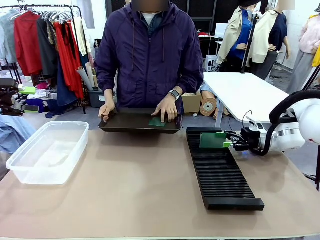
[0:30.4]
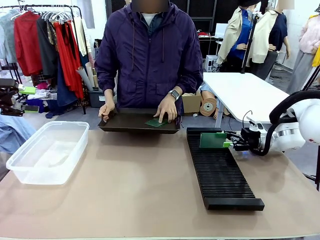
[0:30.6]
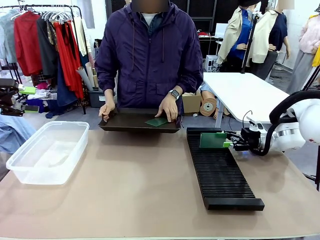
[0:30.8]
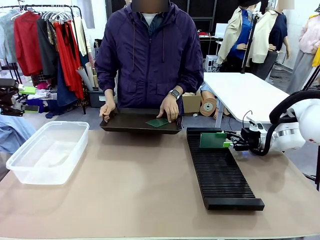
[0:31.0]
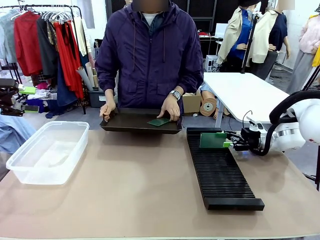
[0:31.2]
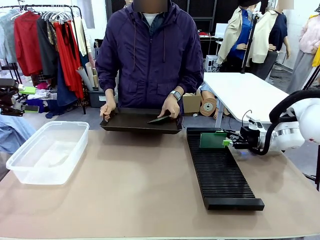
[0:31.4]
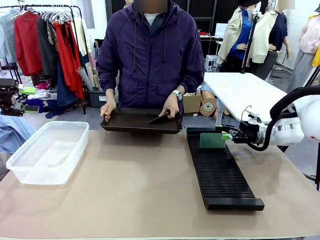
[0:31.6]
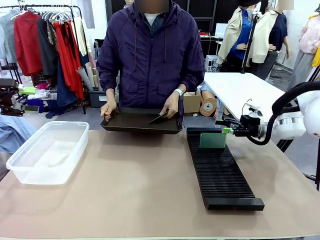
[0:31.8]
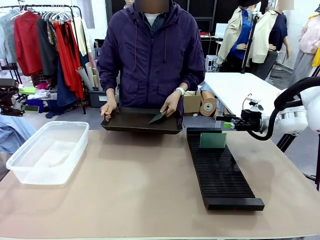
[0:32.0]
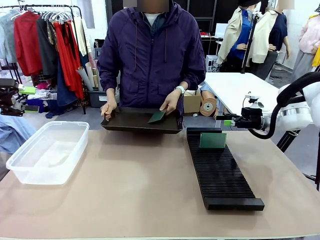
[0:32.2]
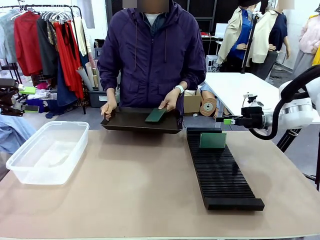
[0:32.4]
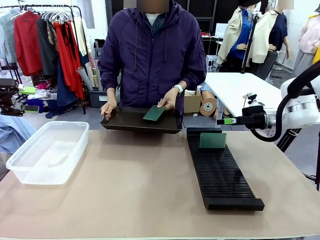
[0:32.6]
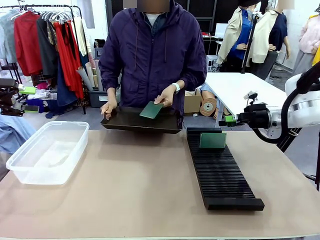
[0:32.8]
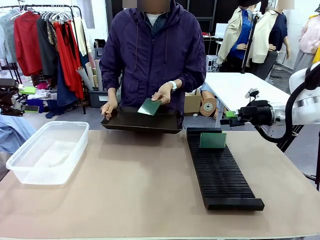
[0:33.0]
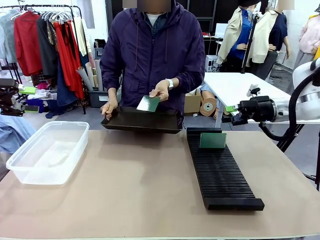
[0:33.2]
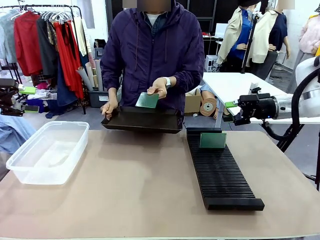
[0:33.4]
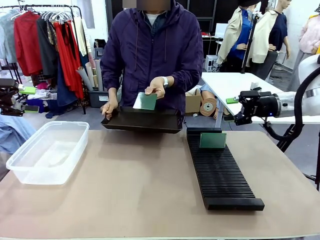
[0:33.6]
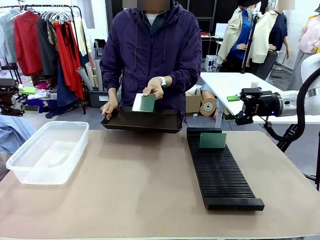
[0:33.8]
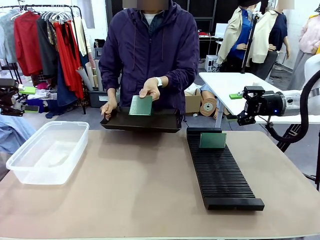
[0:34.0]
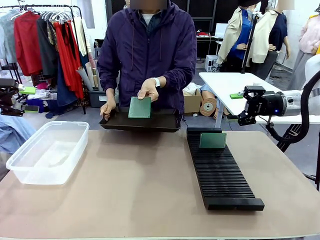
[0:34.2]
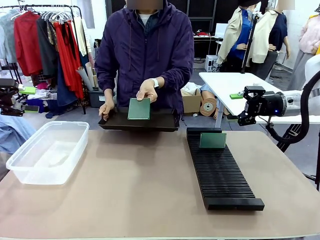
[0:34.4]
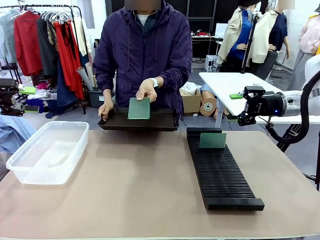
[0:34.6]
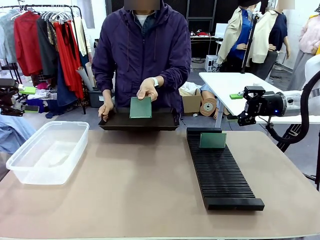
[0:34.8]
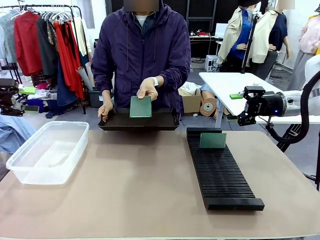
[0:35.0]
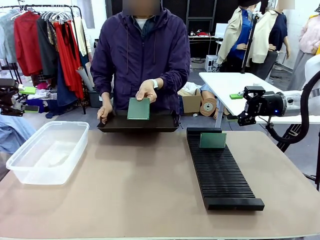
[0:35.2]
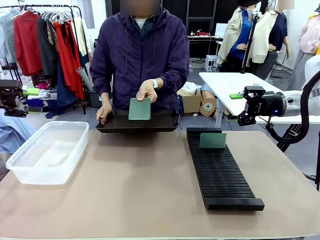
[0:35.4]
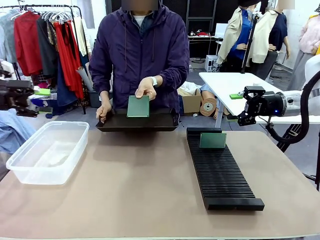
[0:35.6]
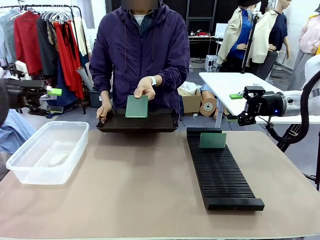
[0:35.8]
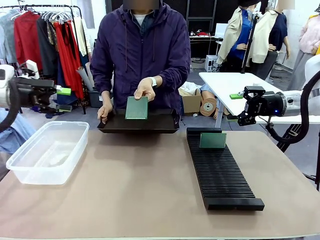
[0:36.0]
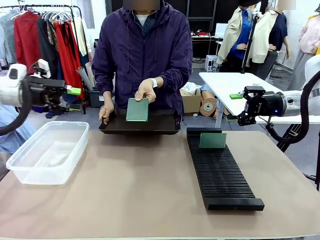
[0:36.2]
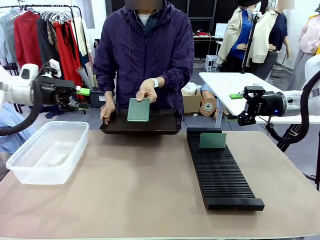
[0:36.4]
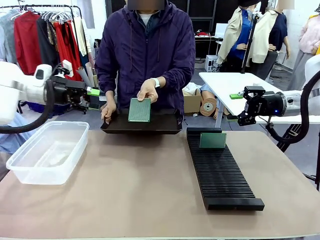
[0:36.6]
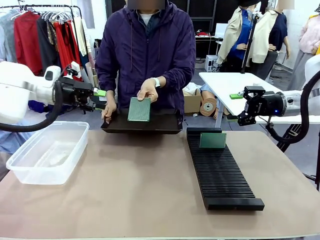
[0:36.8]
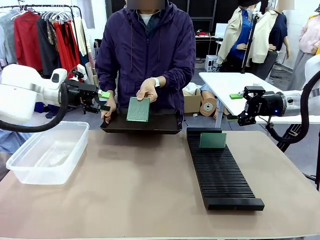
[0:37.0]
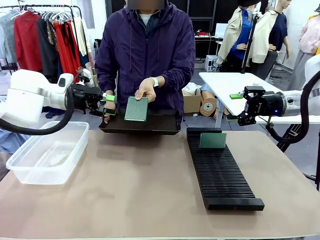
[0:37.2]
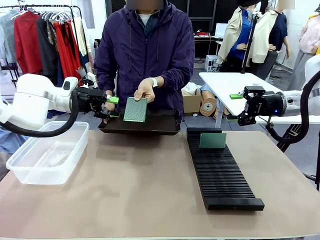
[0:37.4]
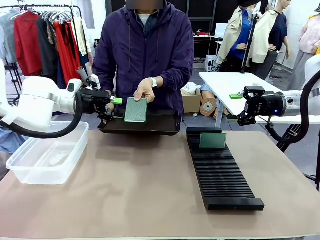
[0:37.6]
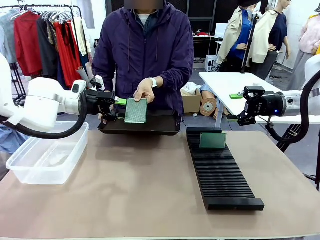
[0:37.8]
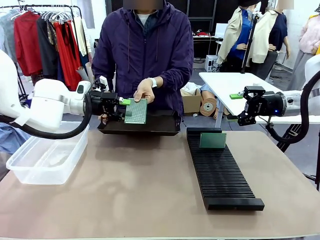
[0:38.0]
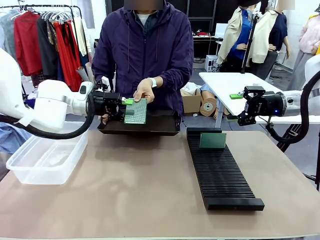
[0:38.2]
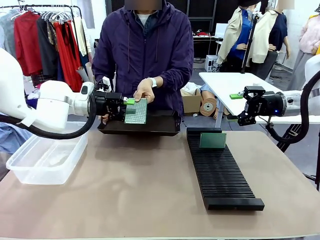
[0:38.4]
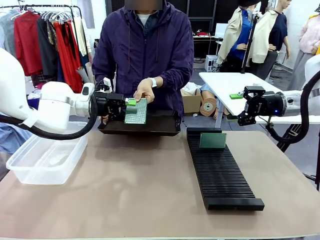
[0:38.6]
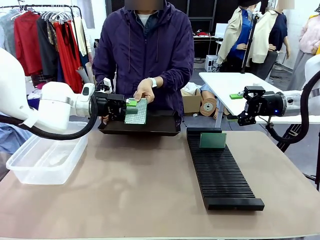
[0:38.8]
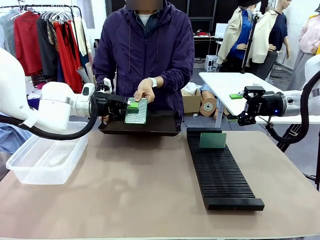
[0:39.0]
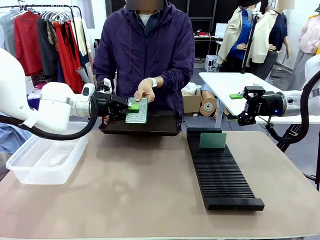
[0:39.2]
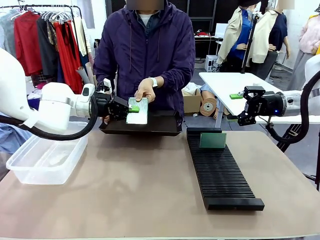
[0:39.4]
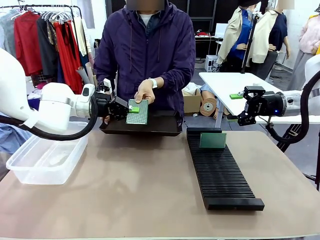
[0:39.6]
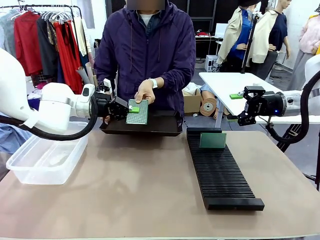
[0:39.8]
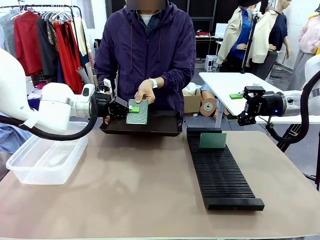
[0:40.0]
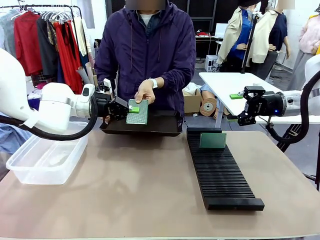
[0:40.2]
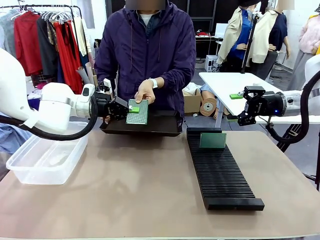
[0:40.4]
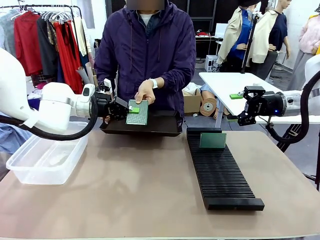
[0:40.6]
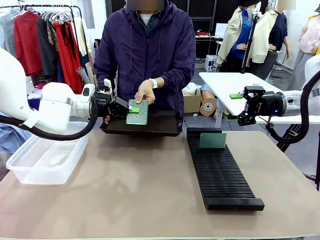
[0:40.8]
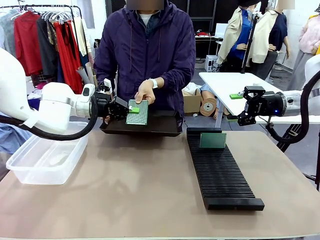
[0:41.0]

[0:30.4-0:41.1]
Task: Sort PCBs into racks and boxes based on the side picked up.
Robot: Pick up the Blank PCB handed by the Human.

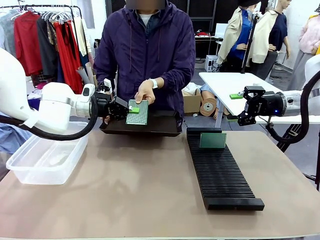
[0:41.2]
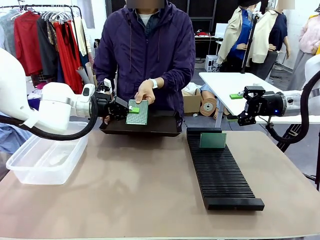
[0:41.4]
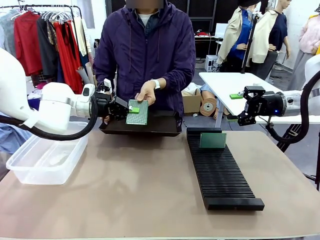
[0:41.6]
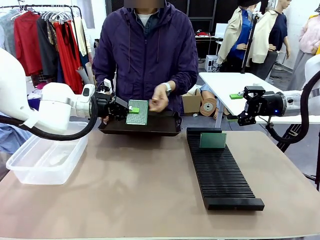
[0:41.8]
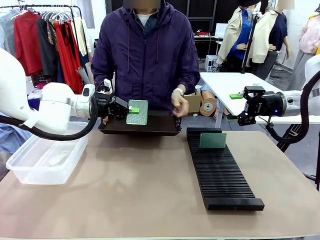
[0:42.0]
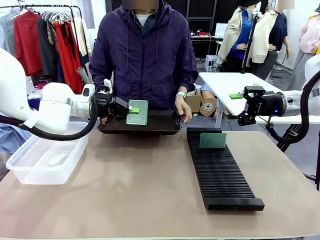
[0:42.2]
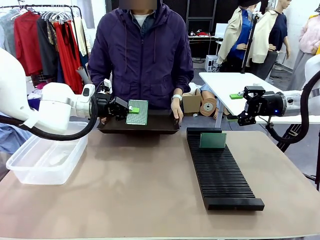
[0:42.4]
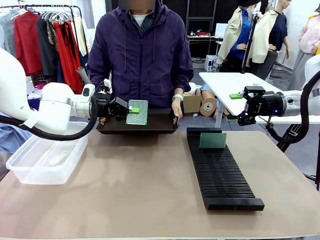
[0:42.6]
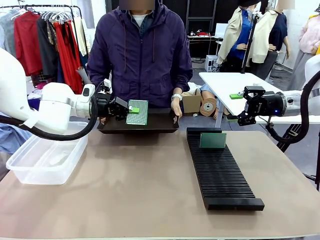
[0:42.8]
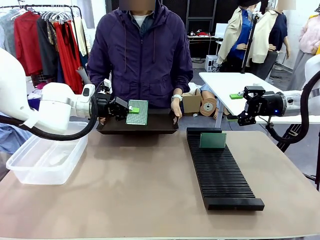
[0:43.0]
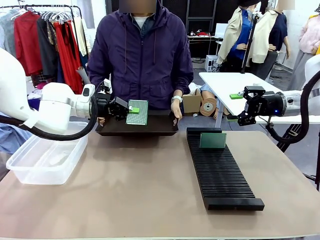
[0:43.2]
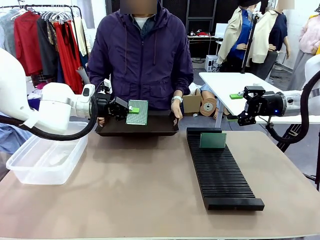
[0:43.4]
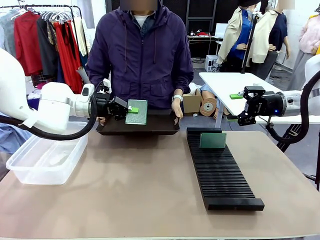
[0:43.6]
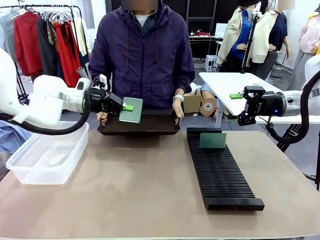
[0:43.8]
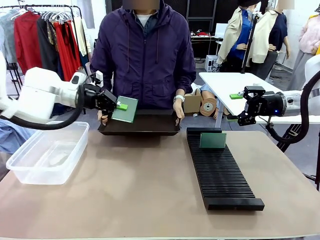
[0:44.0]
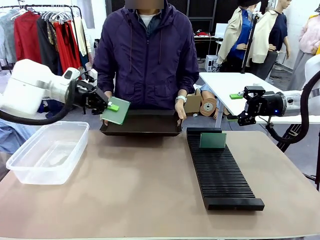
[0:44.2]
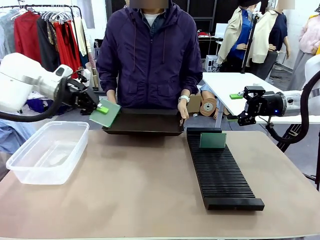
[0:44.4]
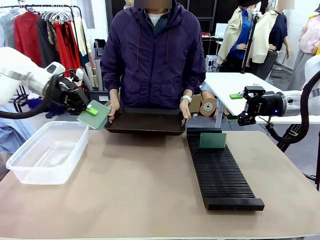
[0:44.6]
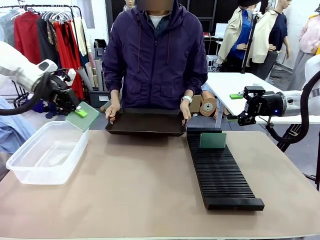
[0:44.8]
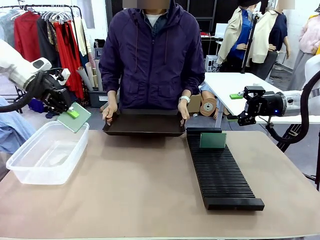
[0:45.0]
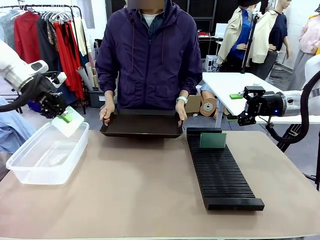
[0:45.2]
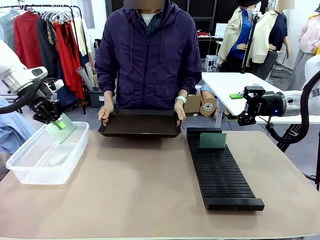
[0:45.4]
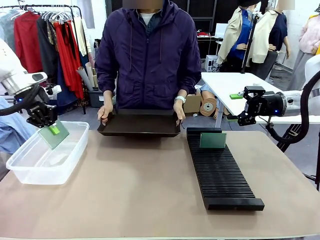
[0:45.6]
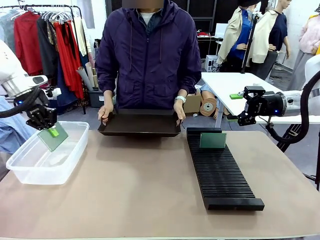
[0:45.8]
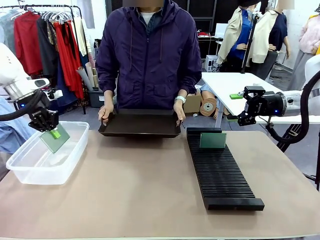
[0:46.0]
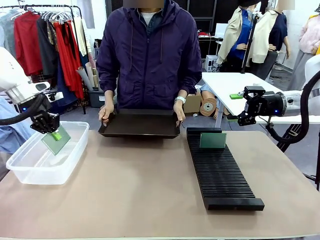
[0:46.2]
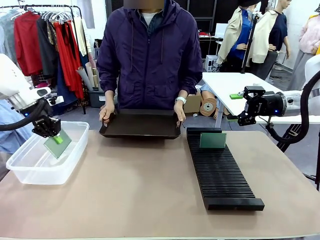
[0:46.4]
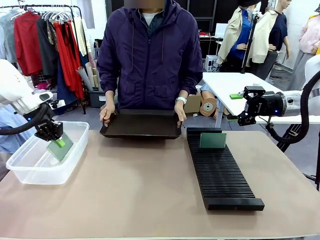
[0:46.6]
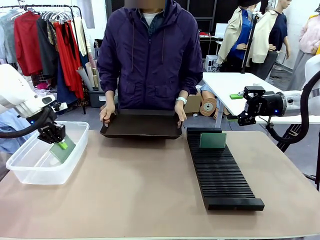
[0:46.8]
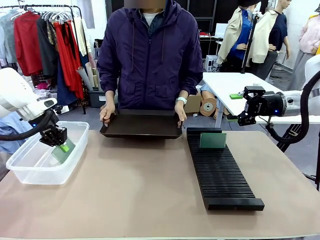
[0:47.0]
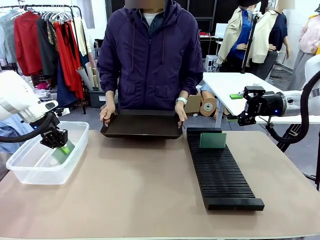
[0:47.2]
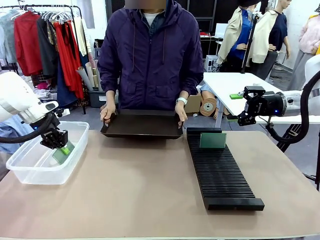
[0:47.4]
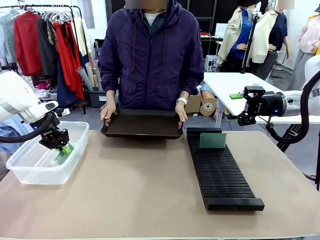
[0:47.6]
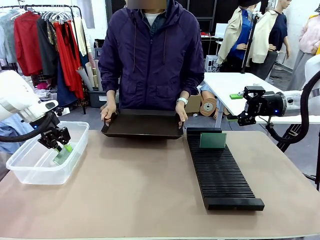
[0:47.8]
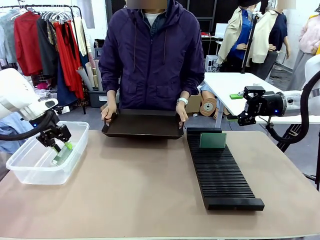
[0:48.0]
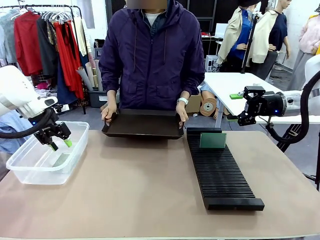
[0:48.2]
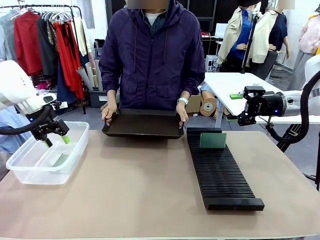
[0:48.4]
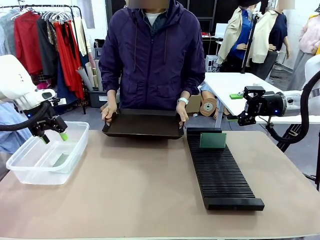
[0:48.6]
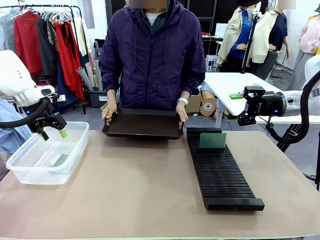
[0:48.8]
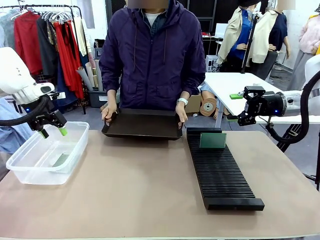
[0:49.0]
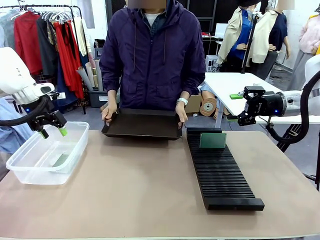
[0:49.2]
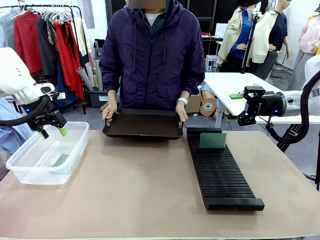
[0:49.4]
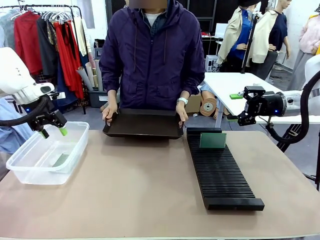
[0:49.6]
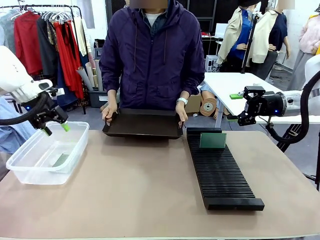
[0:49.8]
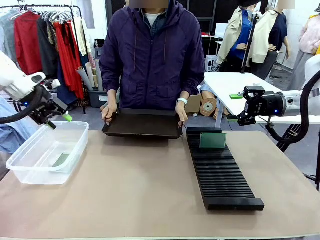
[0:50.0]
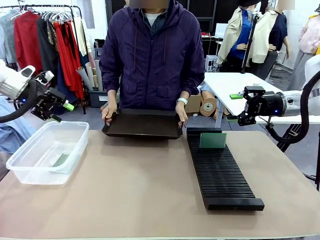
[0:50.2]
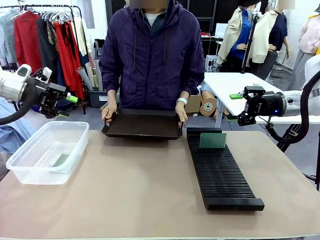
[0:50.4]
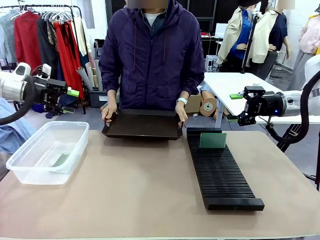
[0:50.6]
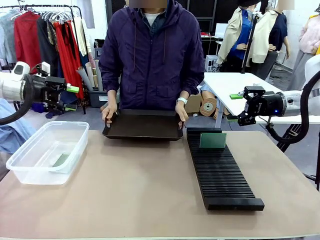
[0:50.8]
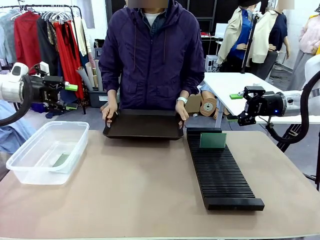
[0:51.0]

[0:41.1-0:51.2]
Robot: If the short side of the Blank PCB is picked up, insert it into the PCB Rack ; if the long side is picked up, place it in the Organizing box.
Person: Release the PCB being held.
